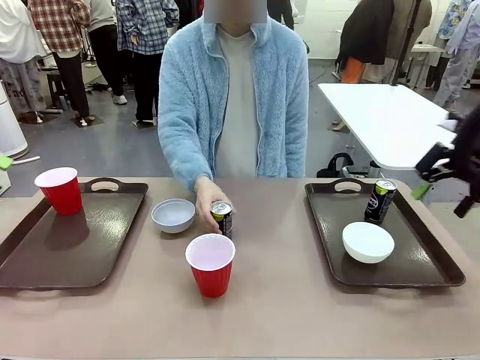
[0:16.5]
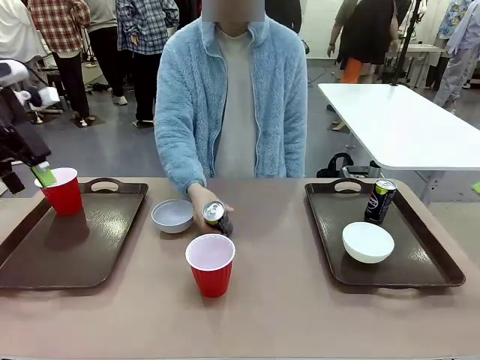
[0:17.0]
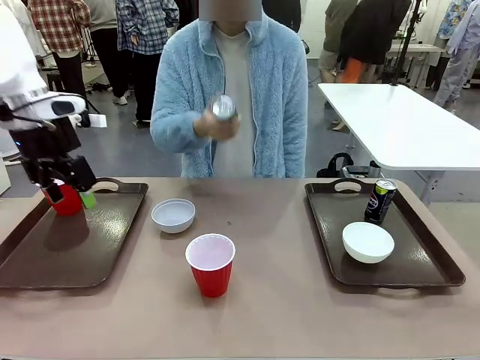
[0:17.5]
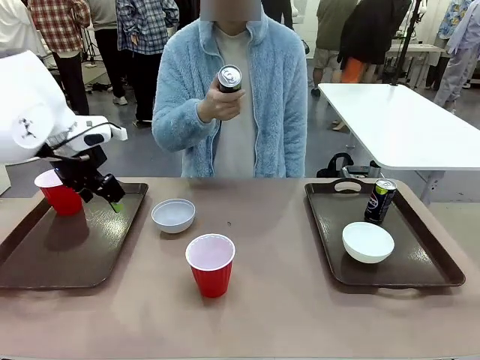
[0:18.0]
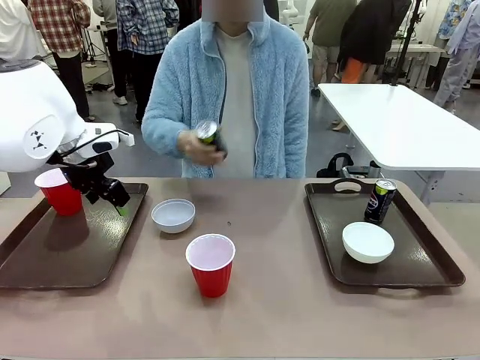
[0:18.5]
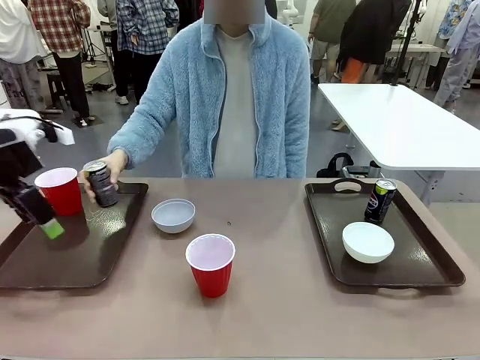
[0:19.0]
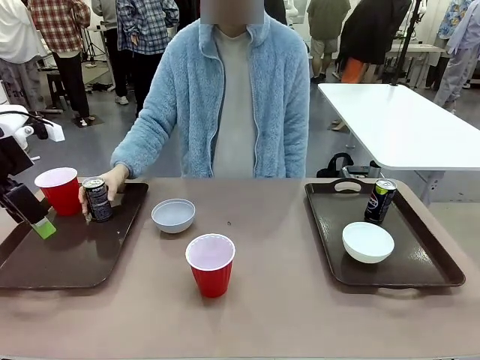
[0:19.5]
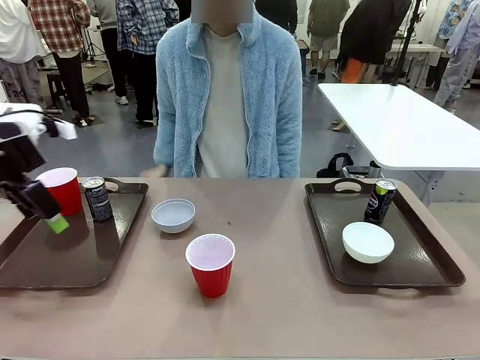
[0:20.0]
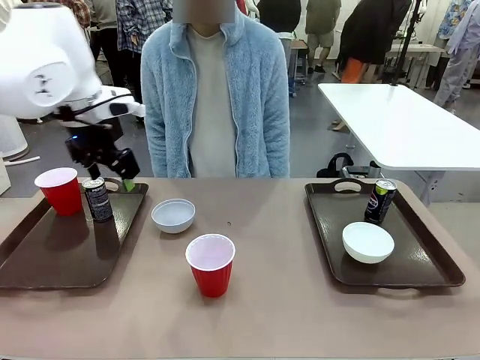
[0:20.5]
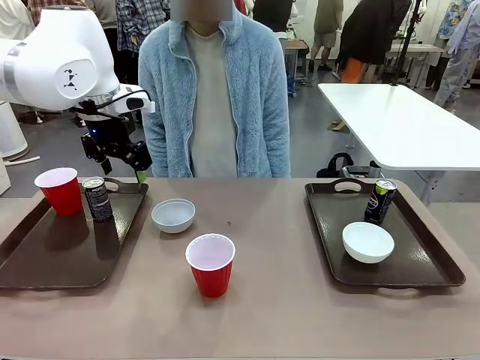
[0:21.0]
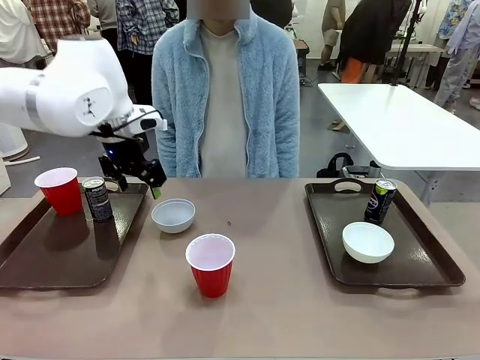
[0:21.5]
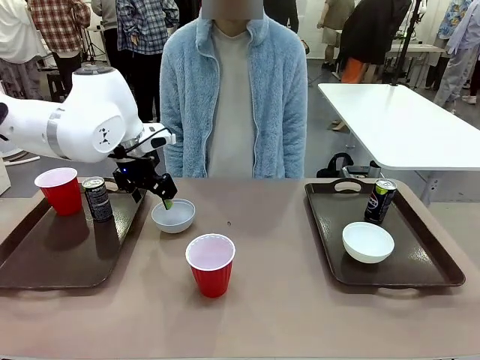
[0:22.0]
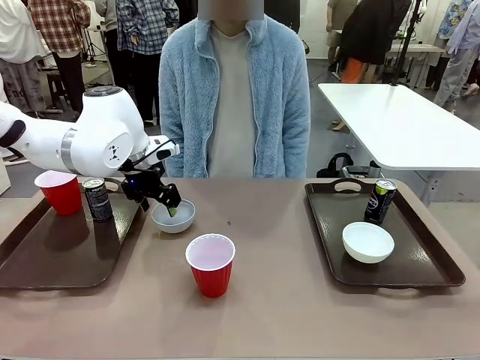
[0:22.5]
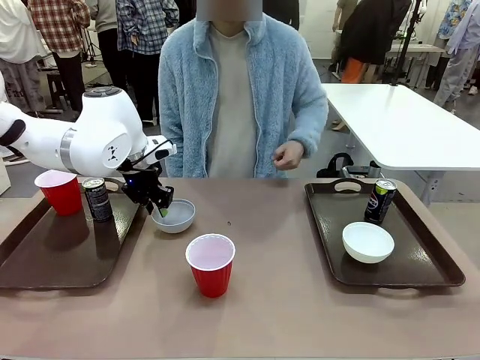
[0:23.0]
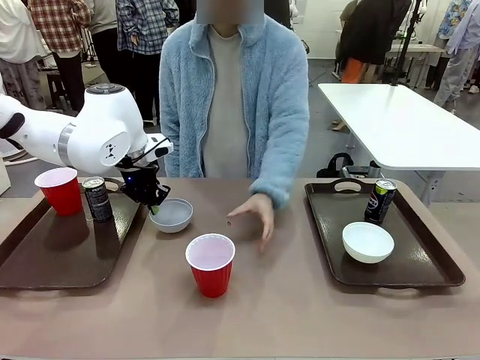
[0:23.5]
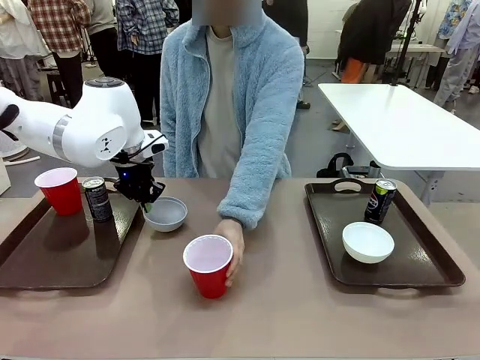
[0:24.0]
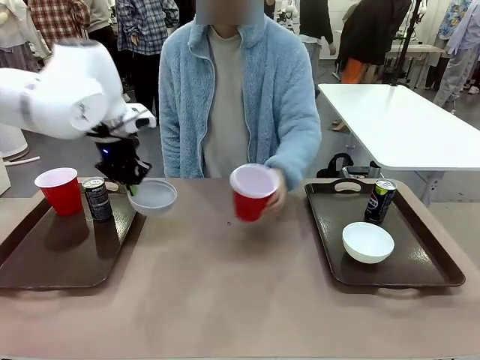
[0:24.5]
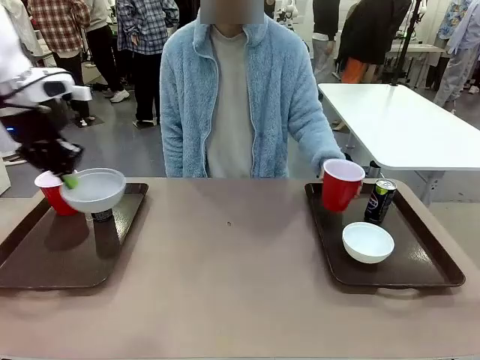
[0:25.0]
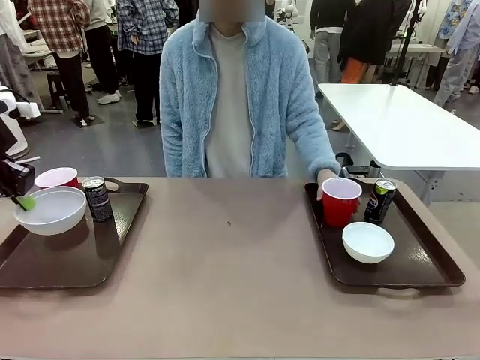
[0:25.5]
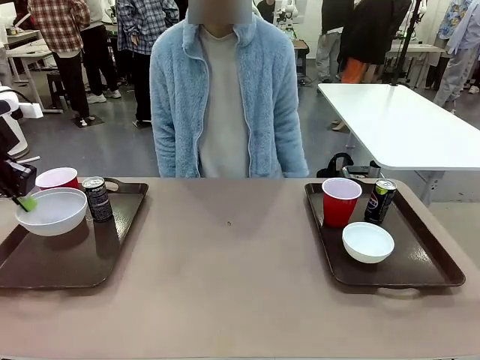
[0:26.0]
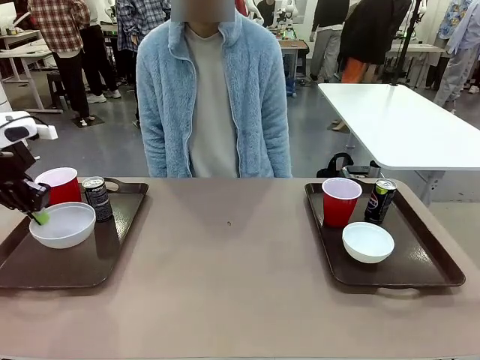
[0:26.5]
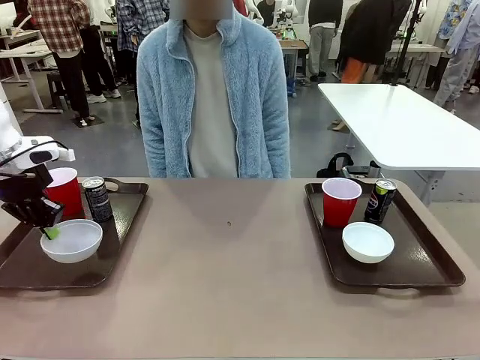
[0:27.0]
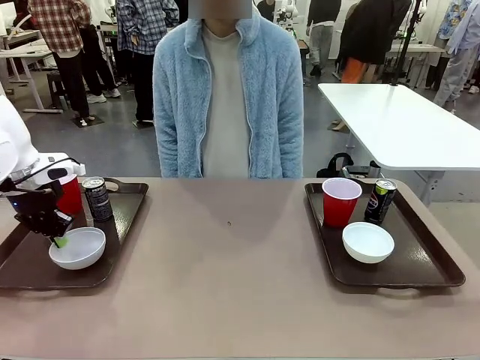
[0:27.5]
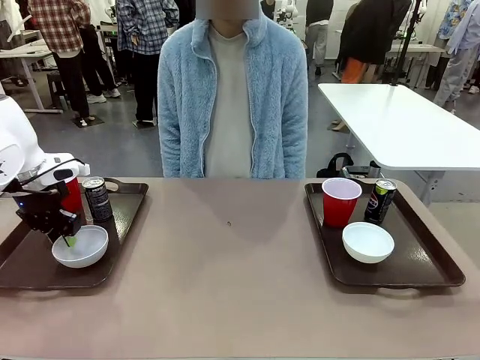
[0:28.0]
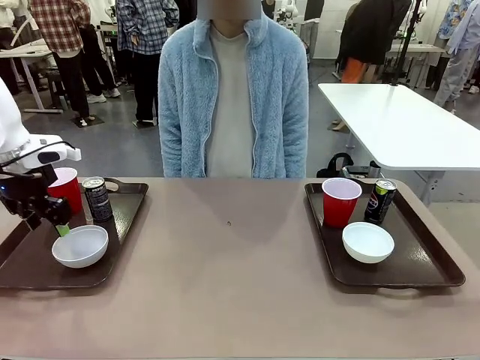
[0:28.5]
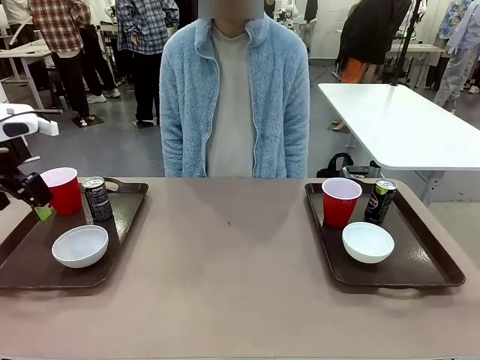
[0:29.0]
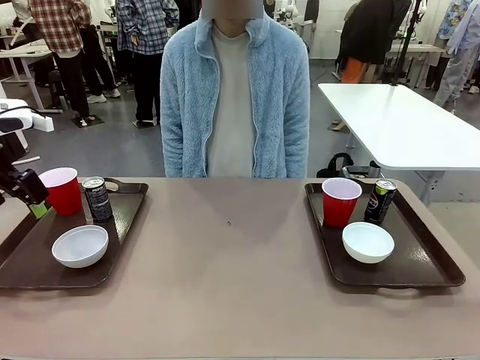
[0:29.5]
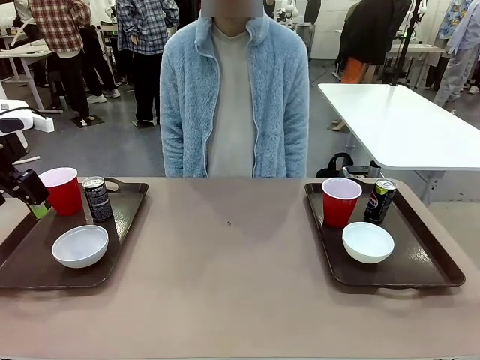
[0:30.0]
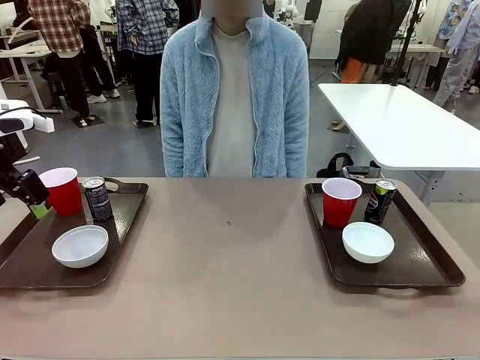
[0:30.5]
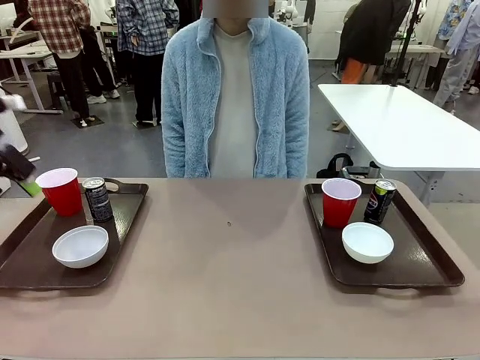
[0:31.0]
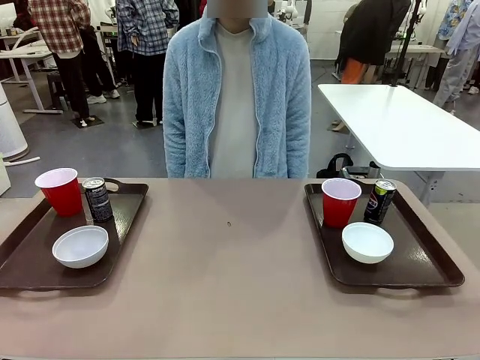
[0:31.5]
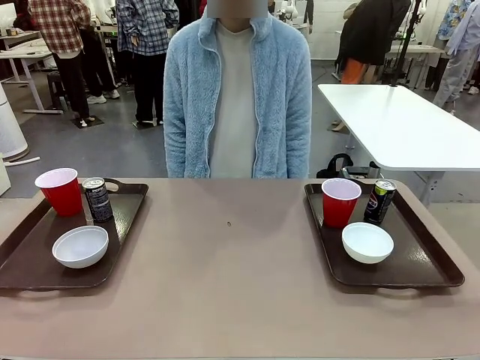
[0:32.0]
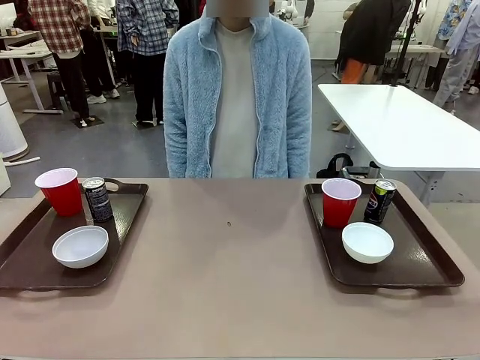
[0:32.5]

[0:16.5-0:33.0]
Task: Prepare tableware on both trays.
Robot: Pick up a Picnic Bowl from the table and place it on a Handle tray.
Person: Pick up a can or cup and place it on the tray without a can or cup.

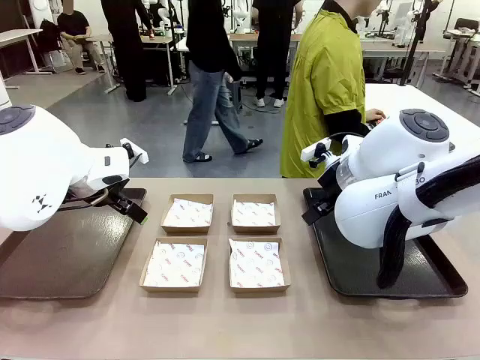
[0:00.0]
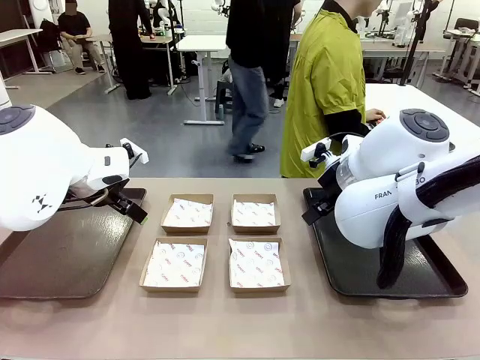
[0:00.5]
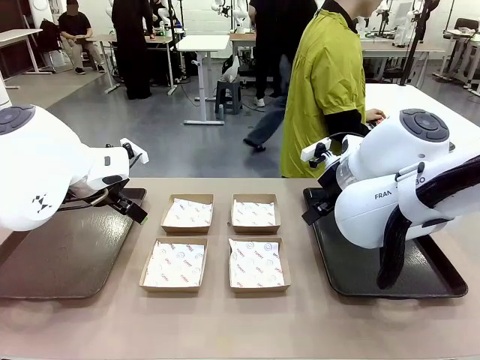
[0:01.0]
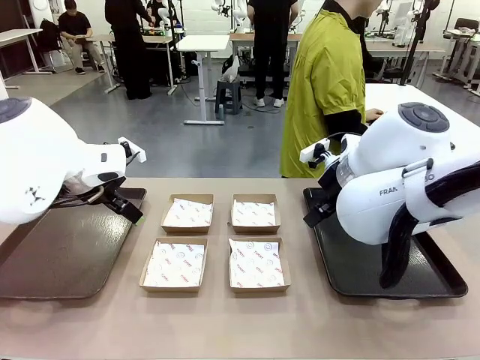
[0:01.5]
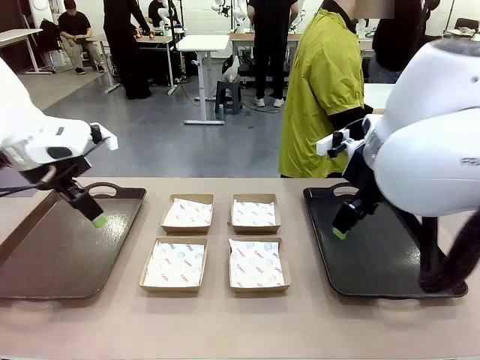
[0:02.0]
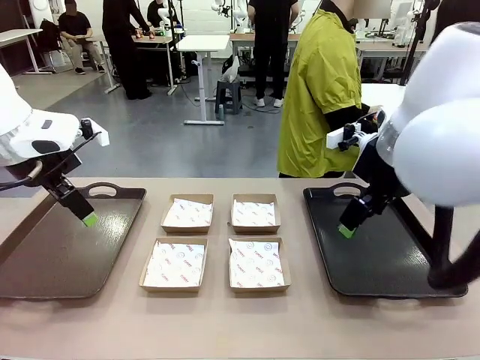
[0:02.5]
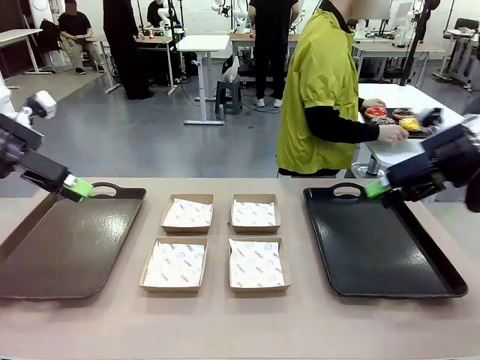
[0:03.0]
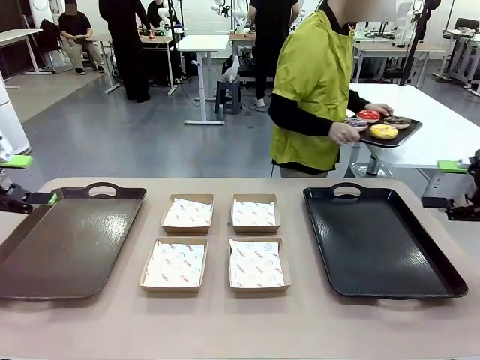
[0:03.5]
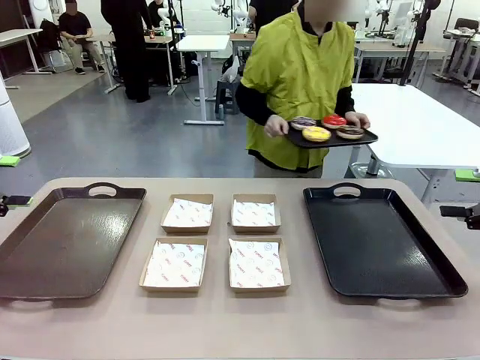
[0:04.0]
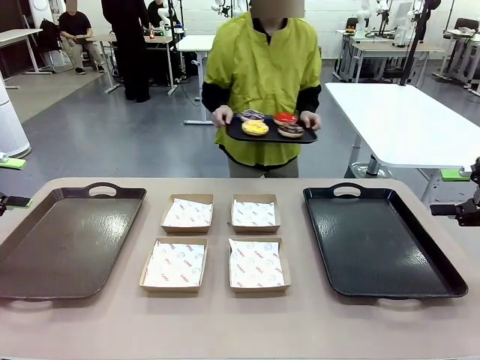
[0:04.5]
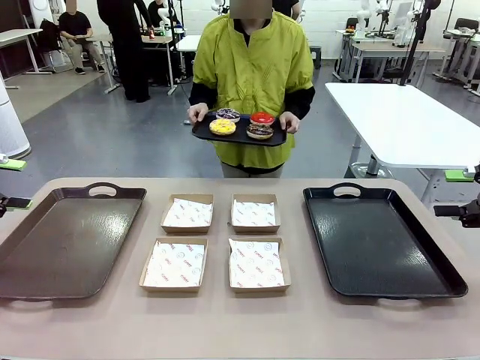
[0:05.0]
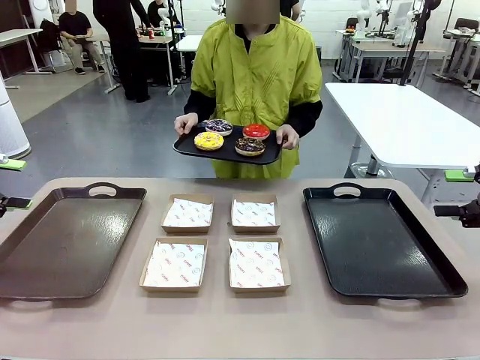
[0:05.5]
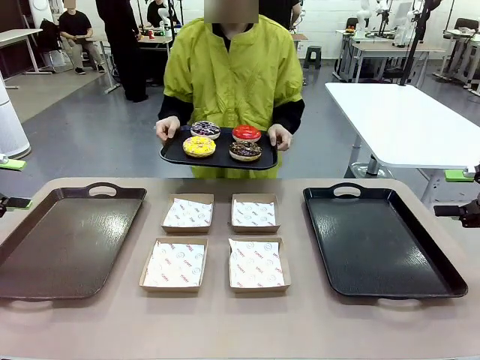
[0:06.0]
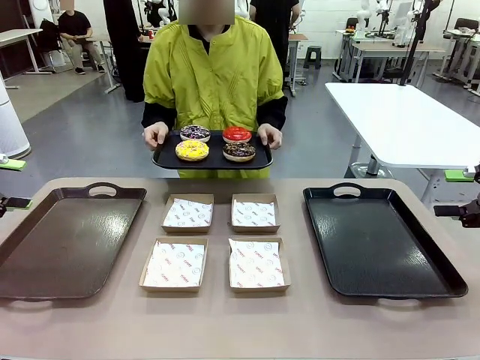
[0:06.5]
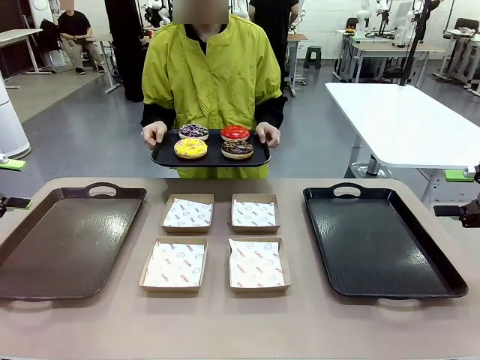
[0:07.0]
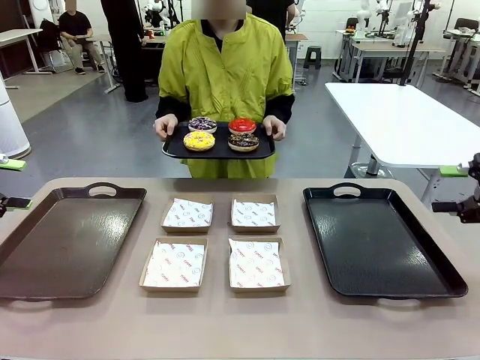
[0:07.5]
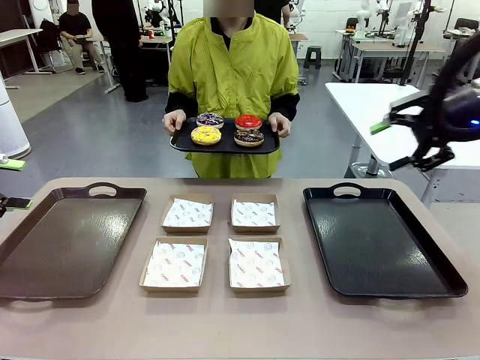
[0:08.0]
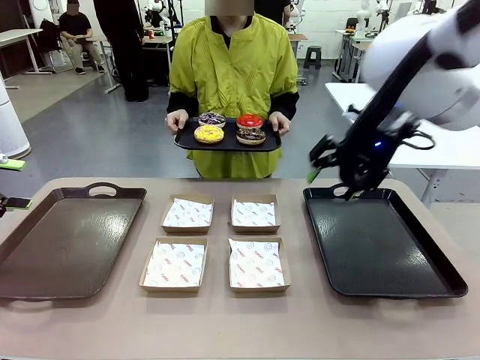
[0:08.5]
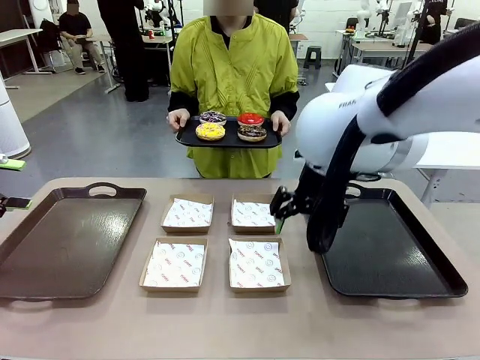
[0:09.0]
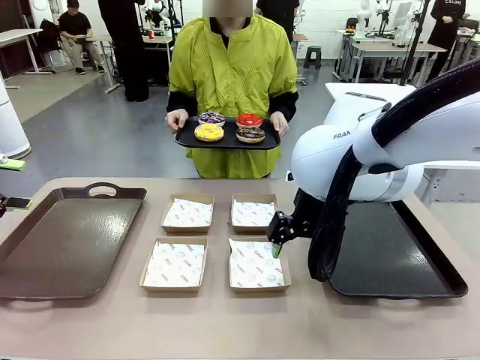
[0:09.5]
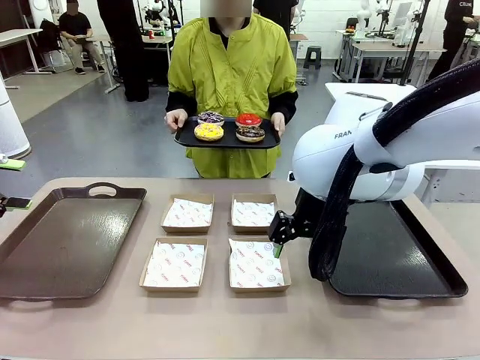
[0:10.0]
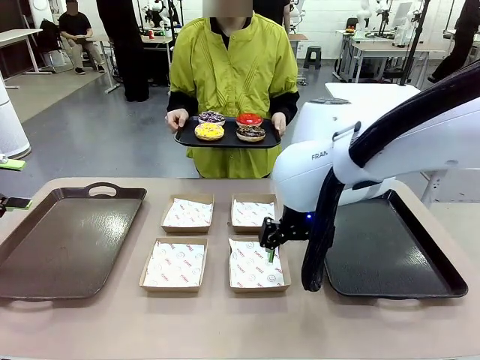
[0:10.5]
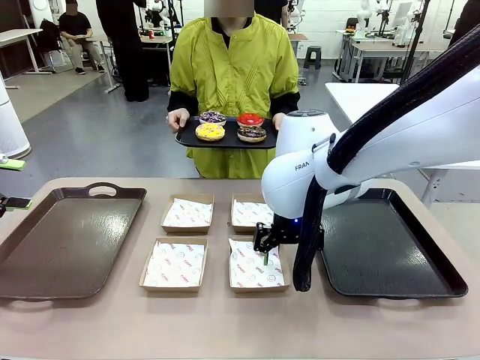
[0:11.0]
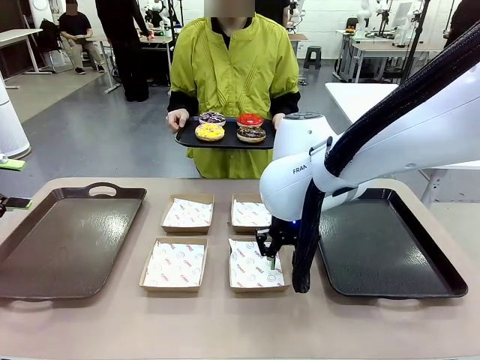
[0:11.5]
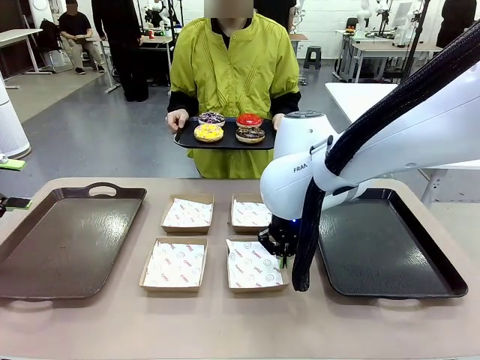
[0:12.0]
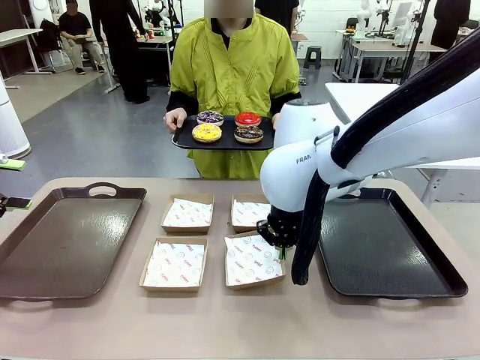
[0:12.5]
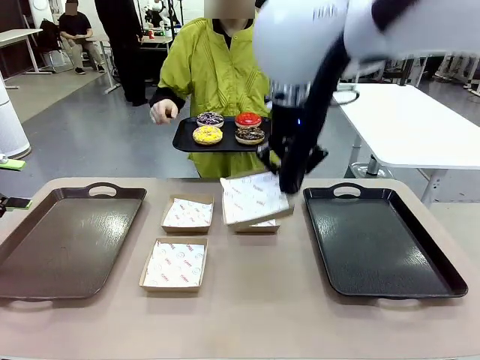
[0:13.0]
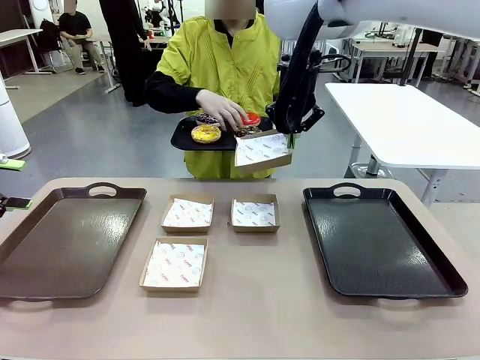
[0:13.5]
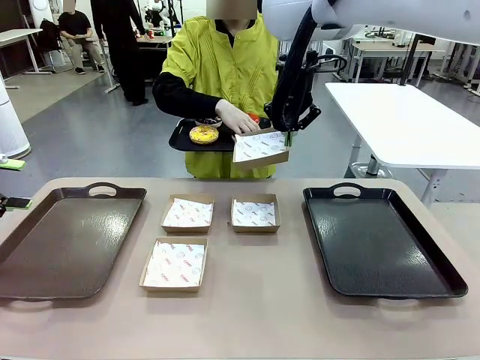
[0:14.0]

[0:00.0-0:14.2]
Task: Individually package the donuts and arrange them on the tray.
Robot: Pick up one Paper togo box.
Person: Stand in front of the robot table holding the tray containing the donuts.
